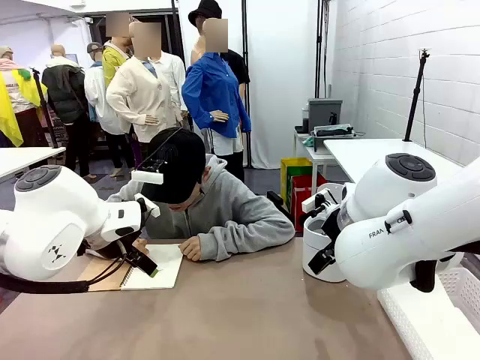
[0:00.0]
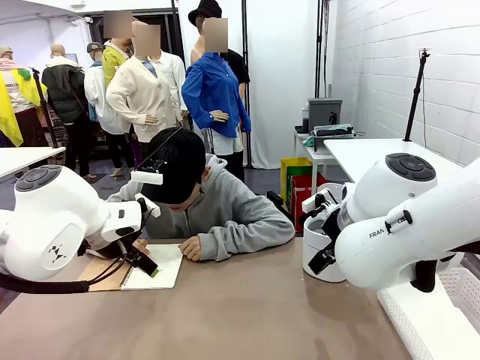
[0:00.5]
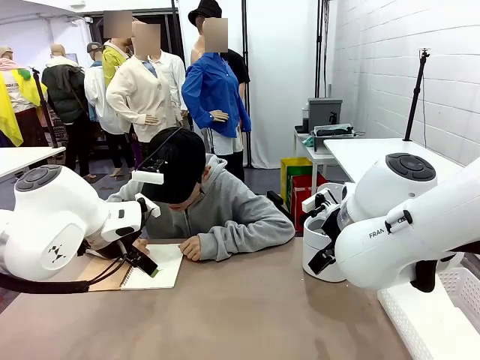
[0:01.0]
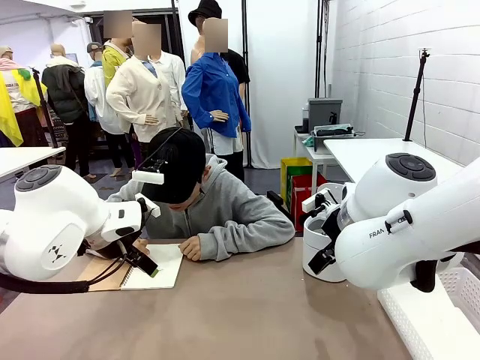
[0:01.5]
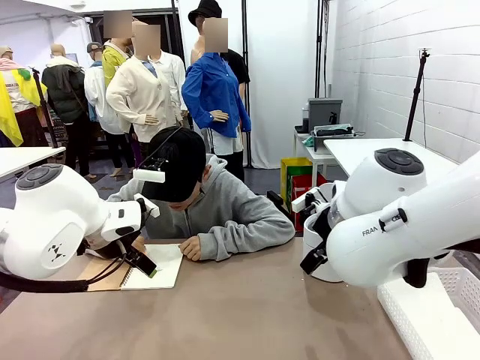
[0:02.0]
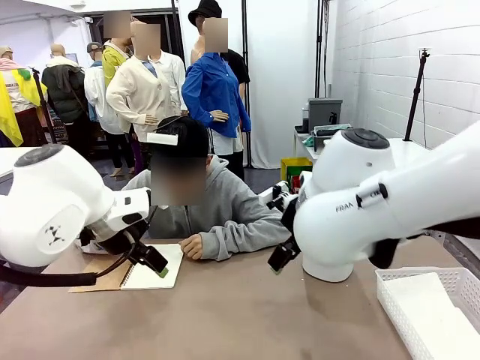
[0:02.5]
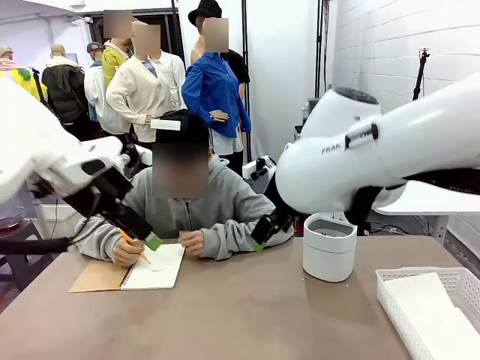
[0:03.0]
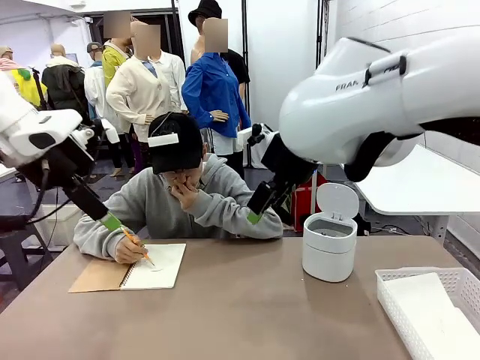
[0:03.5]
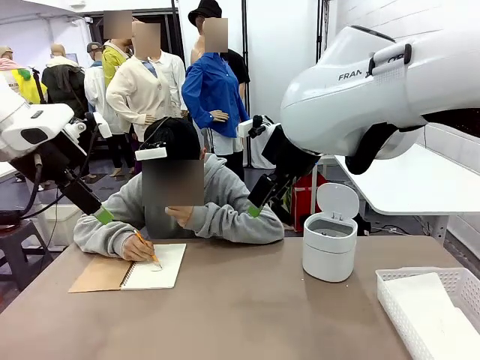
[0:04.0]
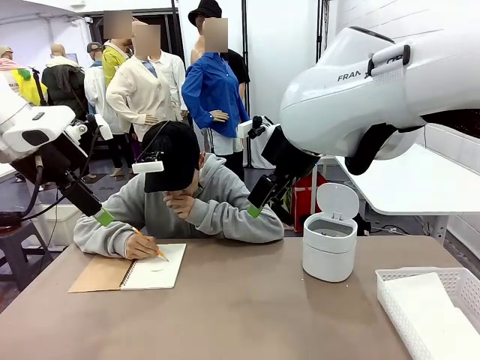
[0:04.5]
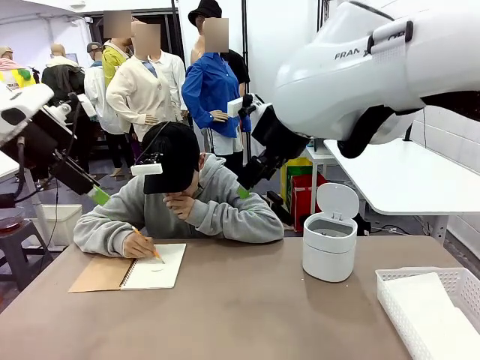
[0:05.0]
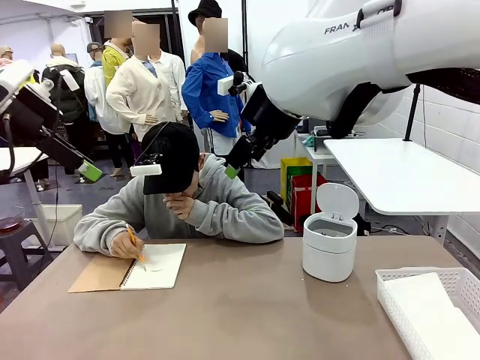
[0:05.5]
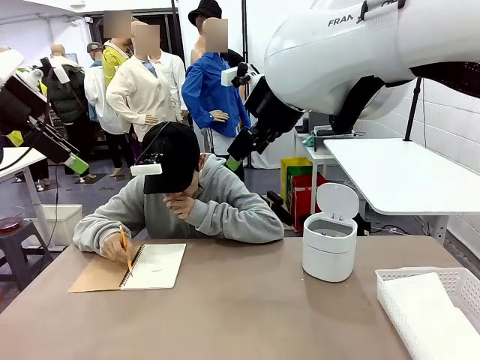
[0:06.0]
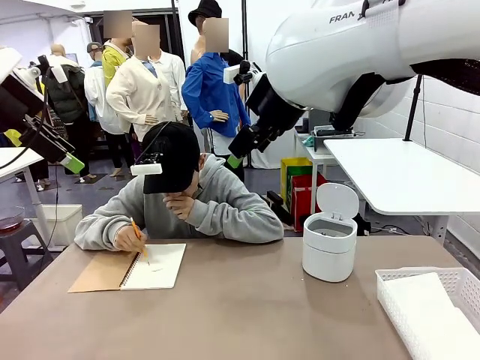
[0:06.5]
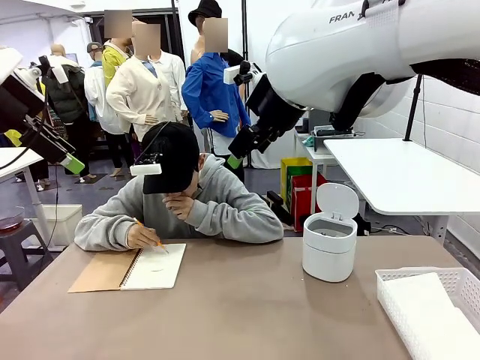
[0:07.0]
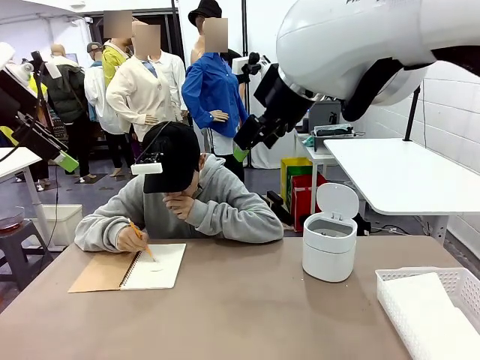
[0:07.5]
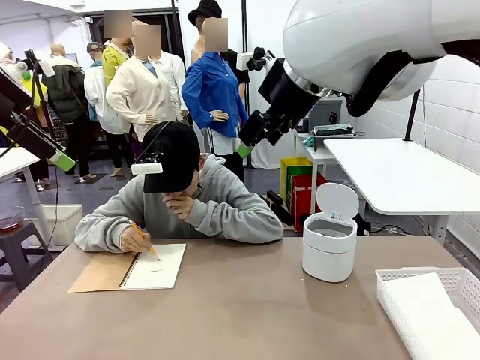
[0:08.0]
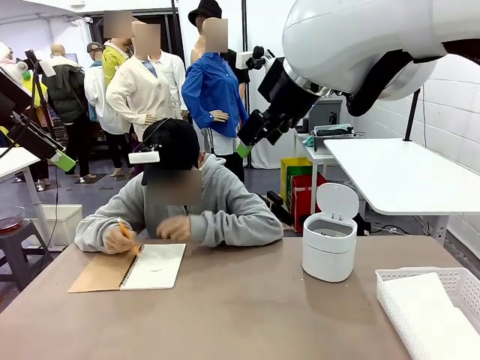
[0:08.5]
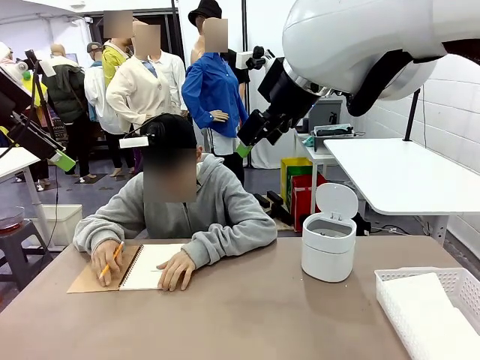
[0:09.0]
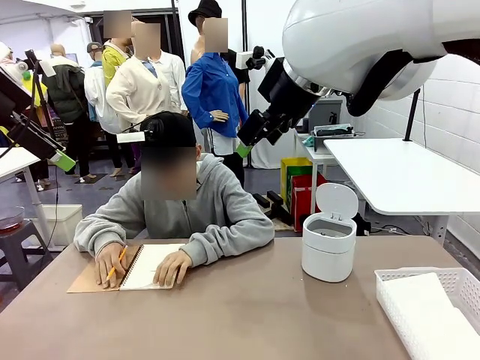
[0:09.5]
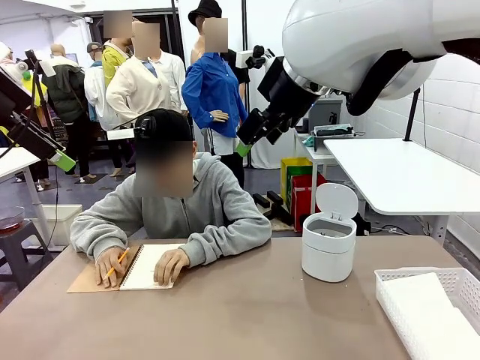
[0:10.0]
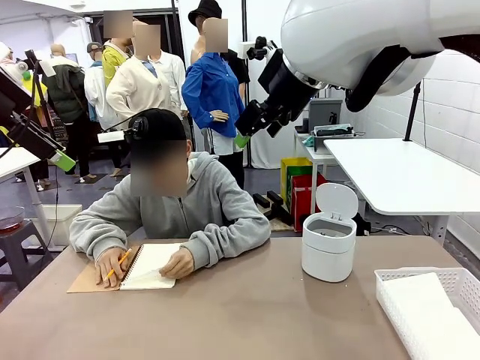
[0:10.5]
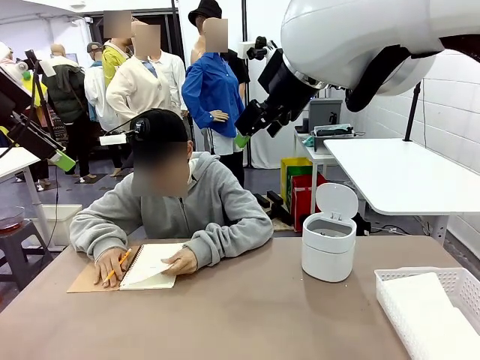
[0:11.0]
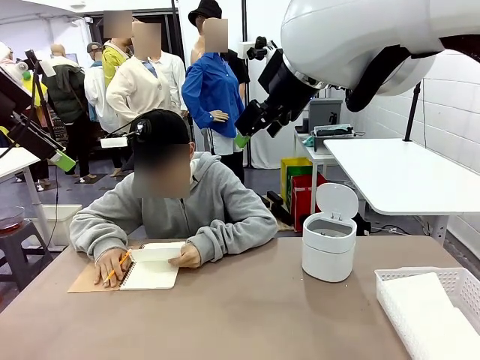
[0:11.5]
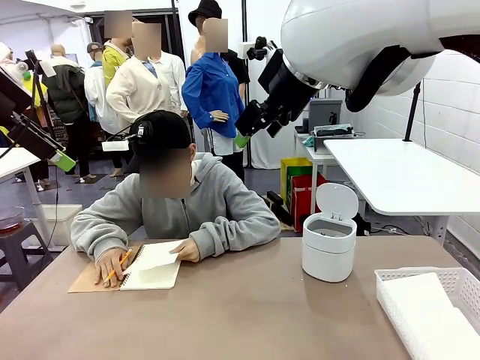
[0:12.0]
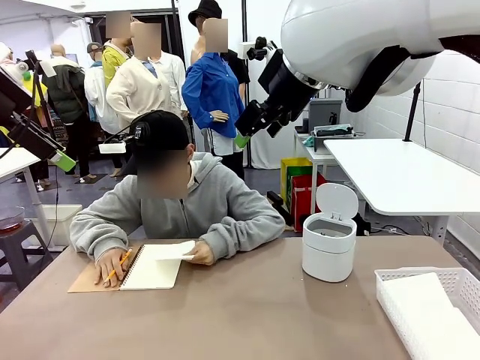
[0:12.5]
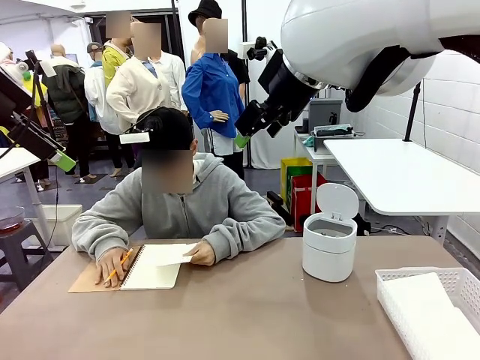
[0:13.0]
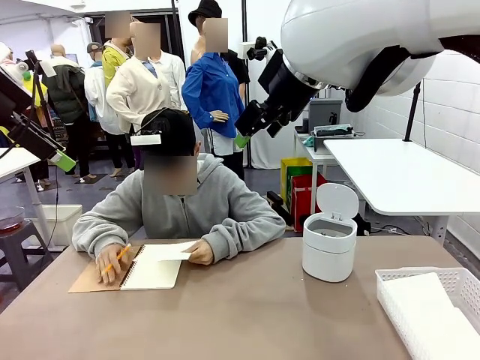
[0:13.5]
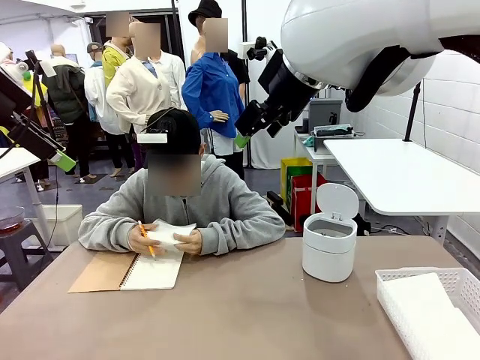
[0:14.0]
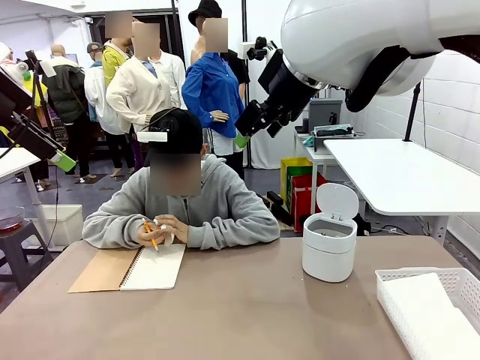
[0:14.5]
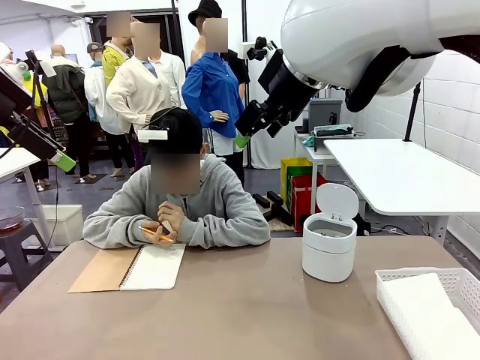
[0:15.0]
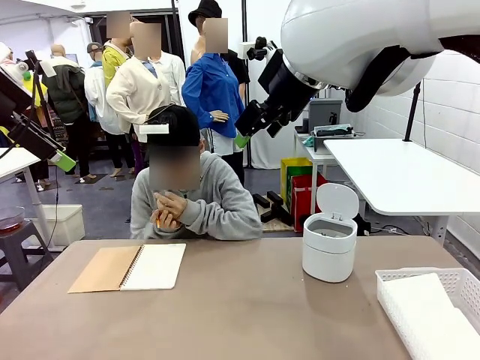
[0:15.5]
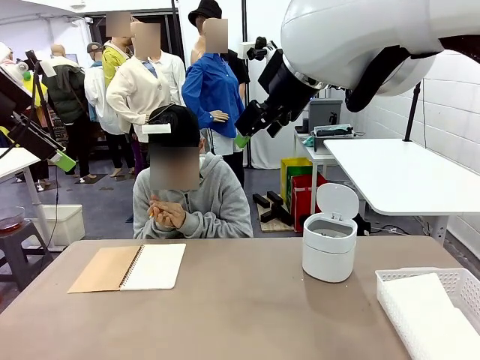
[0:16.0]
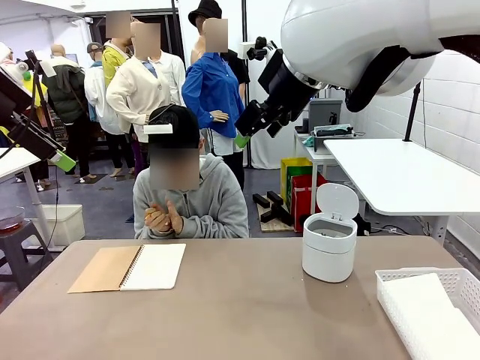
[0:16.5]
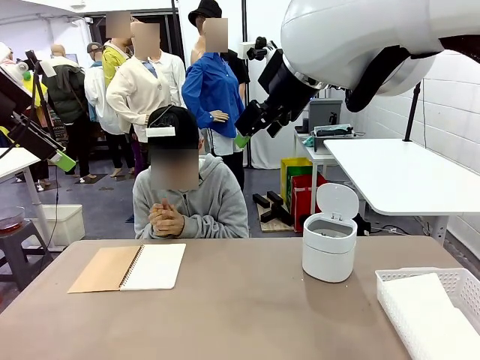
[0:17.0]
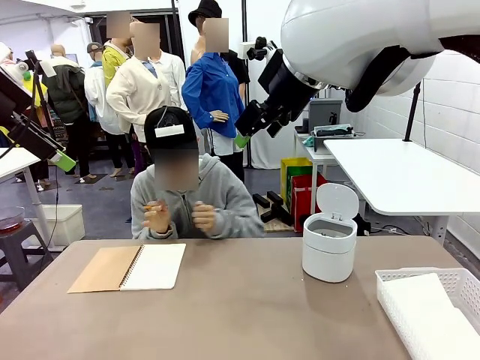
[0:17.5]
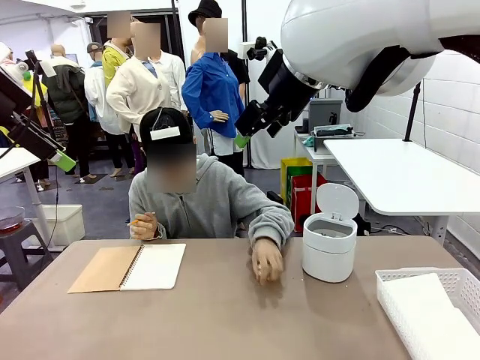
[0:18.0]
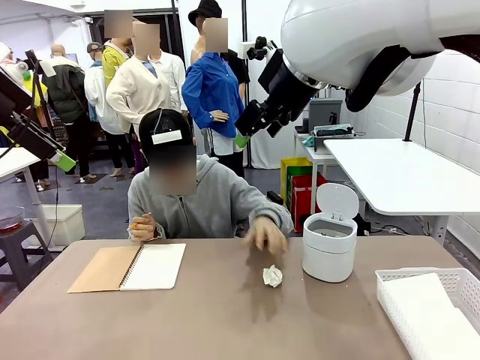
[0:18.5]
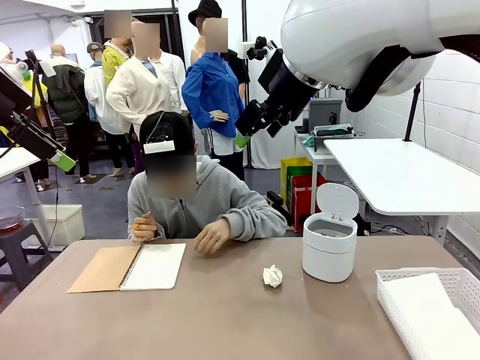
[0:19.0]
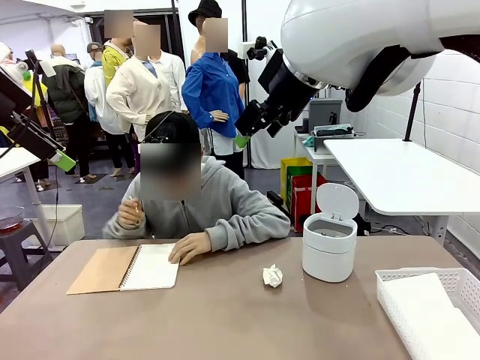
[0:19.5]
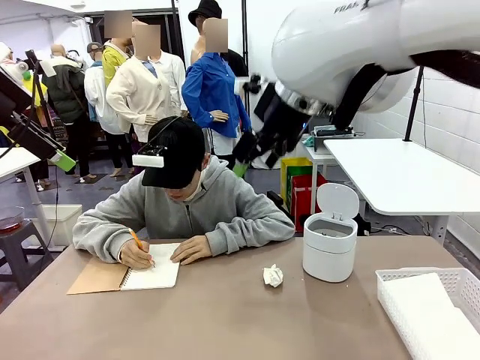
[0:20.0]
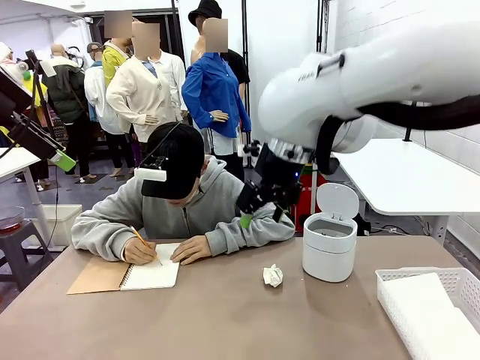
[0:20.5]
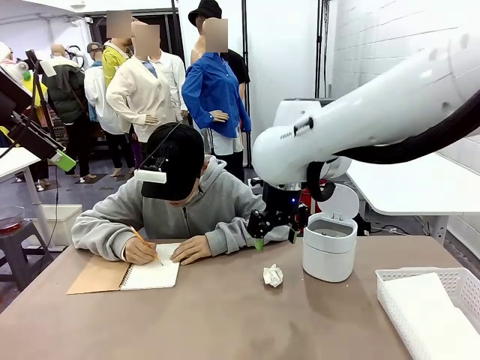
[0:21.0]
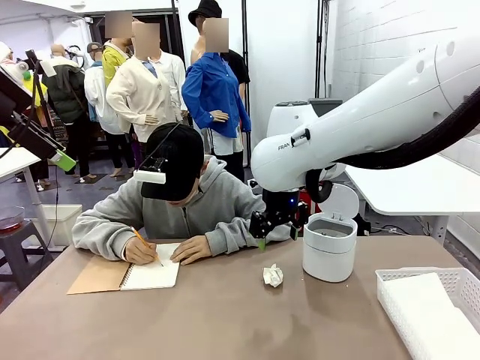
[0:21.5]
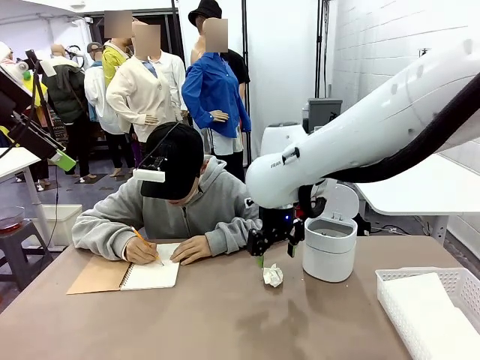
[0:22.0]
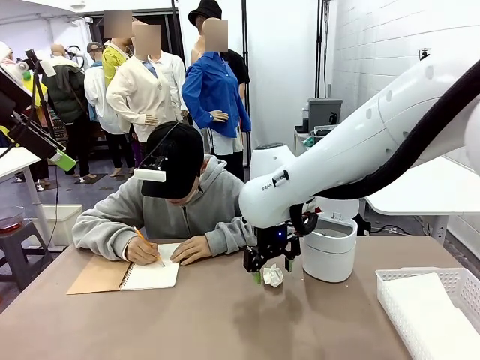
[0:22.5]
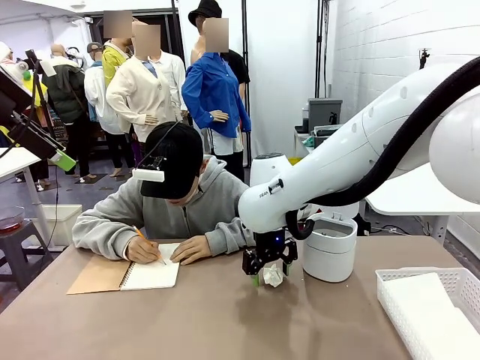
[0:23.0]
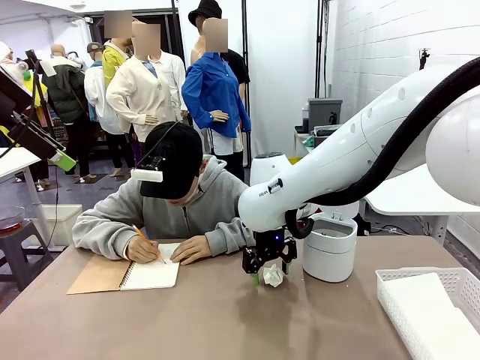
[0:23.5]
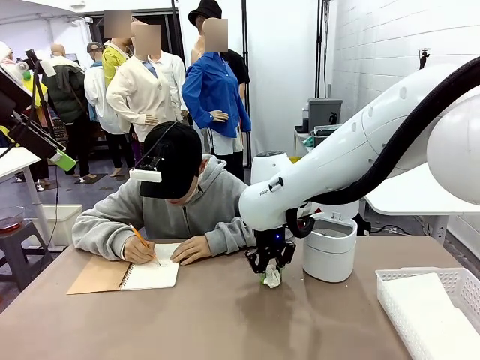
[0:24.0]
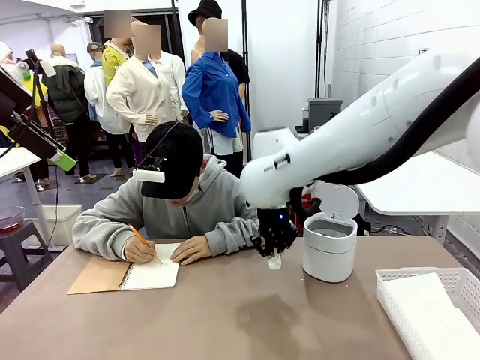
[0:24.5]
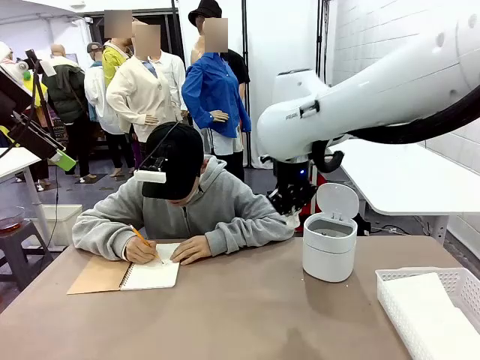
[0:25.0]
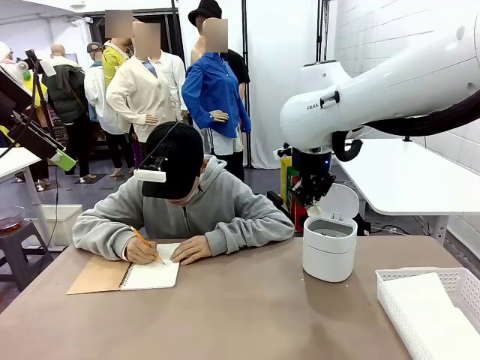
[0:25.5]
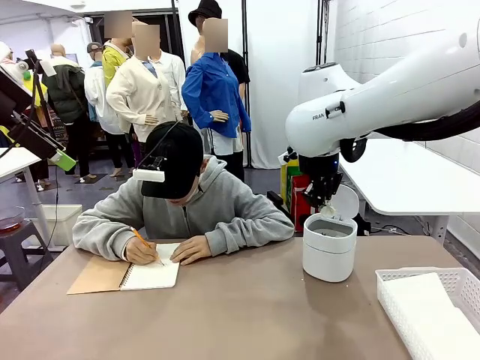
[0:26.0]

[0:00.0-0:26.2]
Task: Sort the paper based on its condition.
Robot: If a person hands you a paper, place it in the Organizing basket , and if it's crumpled, put it in the Trash can.
Person: Tear out a page from the spiral notebook. Hand the torn page to the robot or crumple it and throw it to the center of the table.
